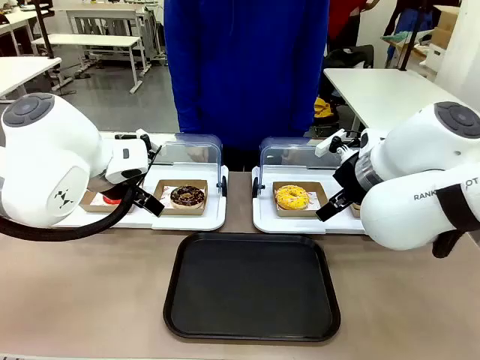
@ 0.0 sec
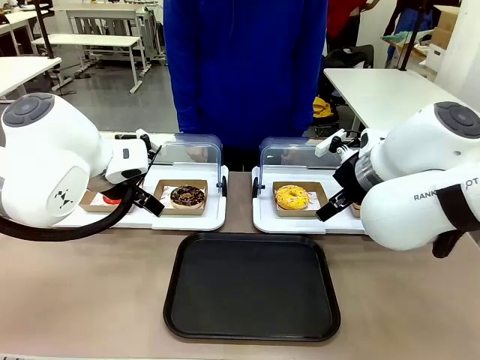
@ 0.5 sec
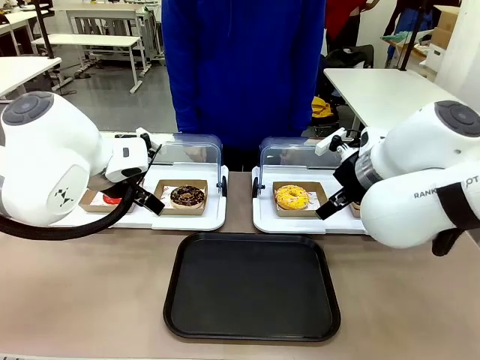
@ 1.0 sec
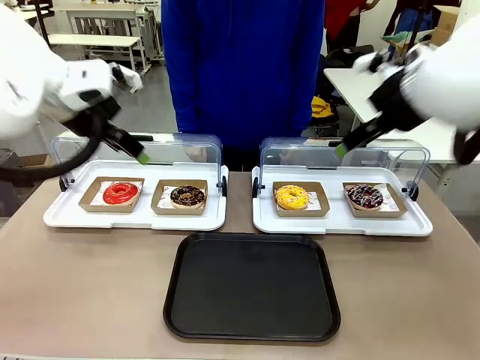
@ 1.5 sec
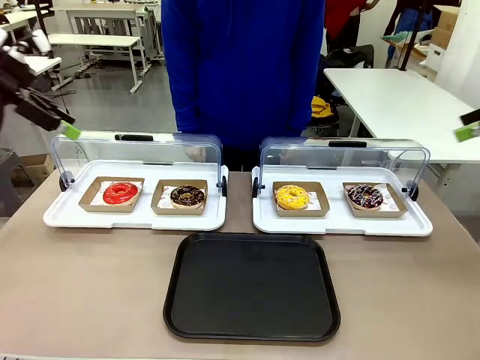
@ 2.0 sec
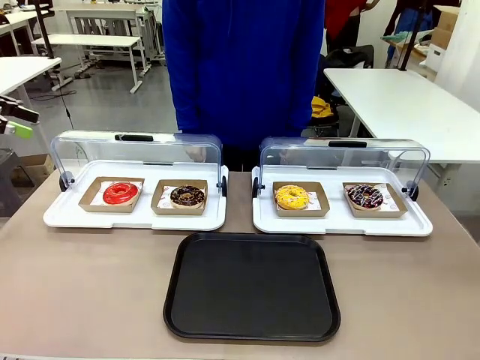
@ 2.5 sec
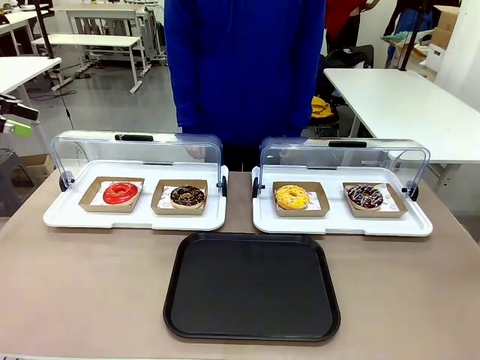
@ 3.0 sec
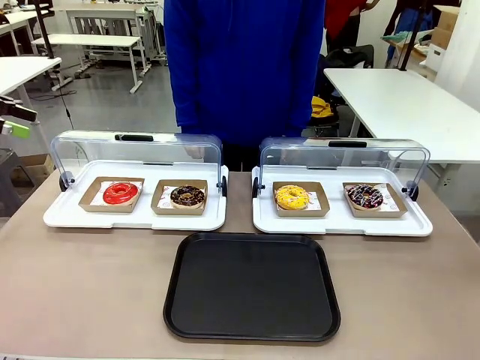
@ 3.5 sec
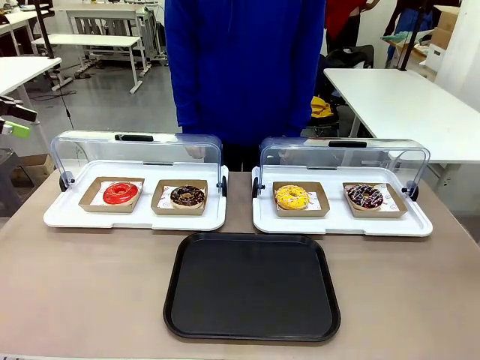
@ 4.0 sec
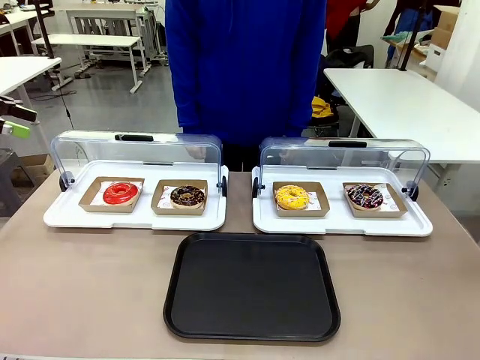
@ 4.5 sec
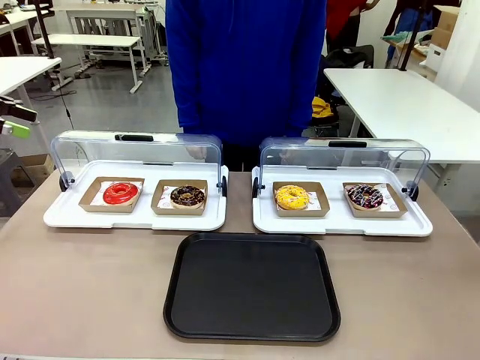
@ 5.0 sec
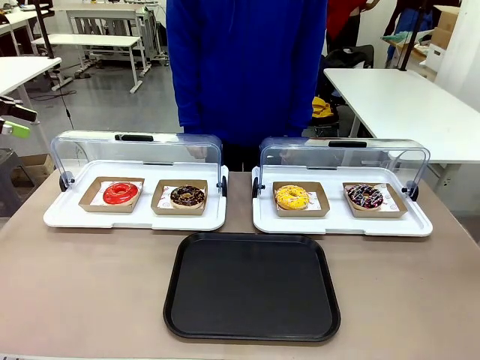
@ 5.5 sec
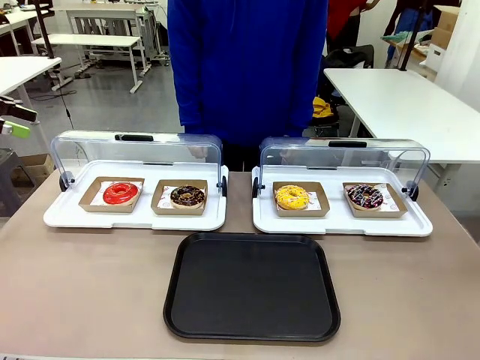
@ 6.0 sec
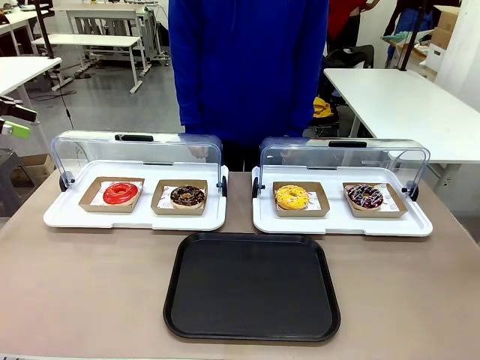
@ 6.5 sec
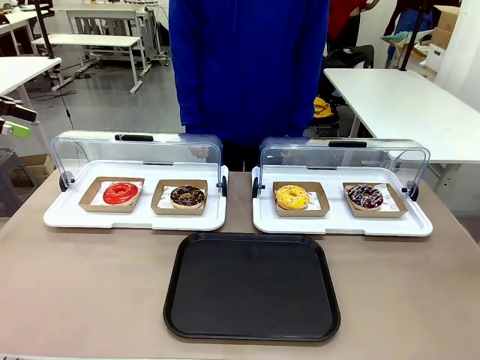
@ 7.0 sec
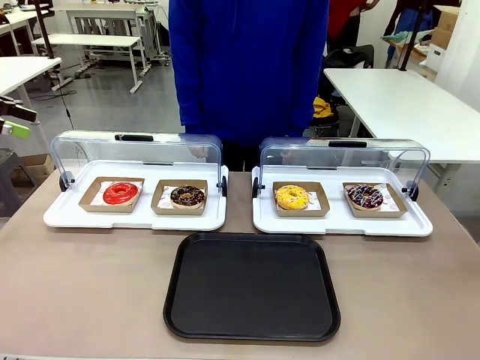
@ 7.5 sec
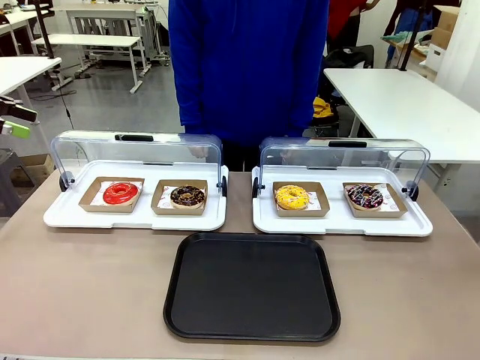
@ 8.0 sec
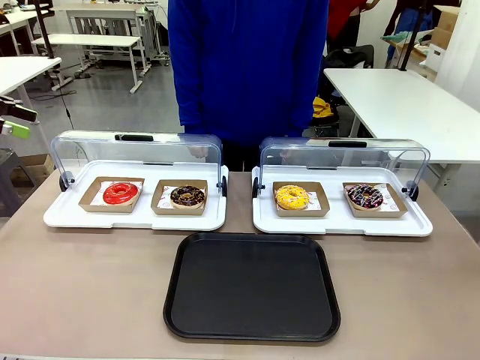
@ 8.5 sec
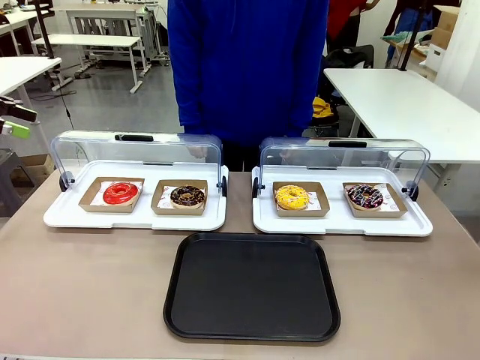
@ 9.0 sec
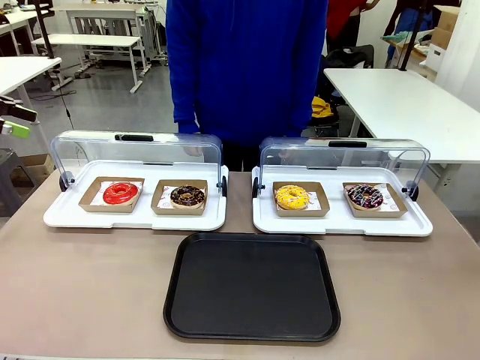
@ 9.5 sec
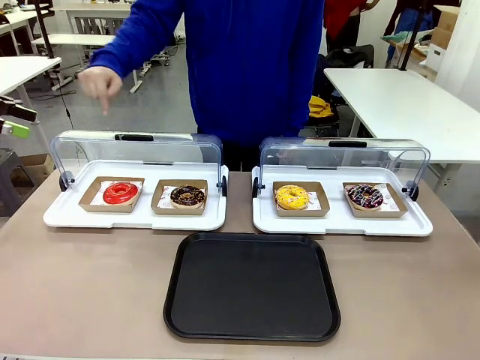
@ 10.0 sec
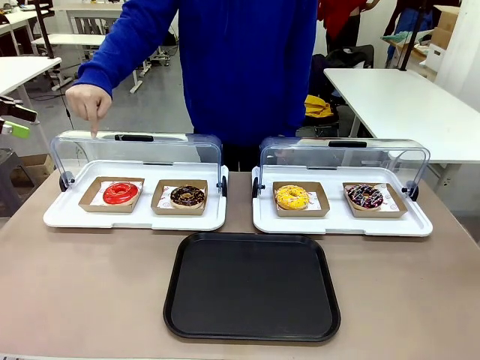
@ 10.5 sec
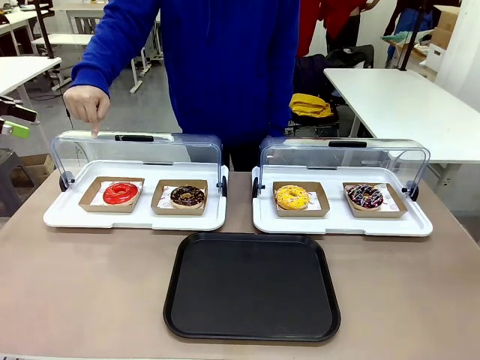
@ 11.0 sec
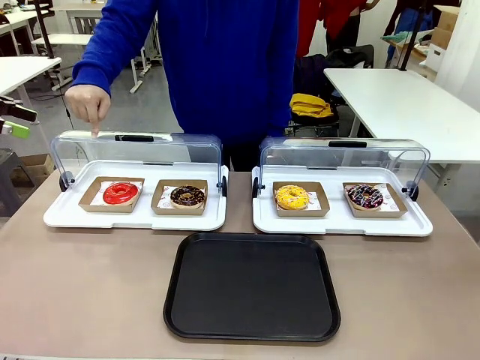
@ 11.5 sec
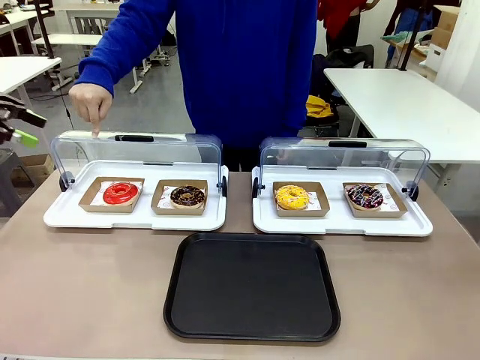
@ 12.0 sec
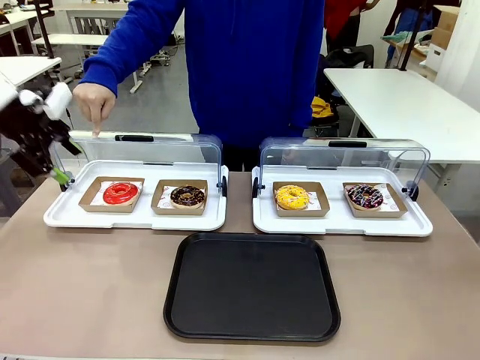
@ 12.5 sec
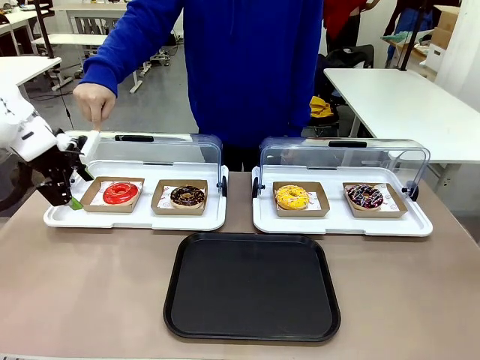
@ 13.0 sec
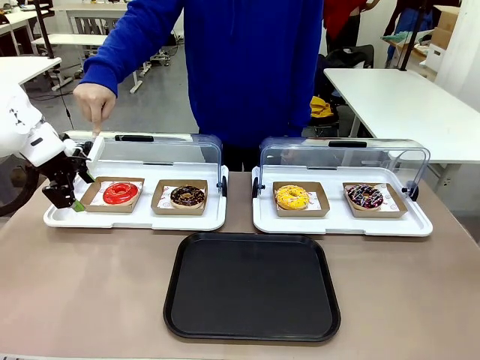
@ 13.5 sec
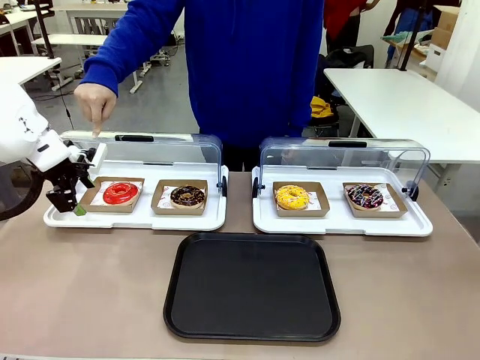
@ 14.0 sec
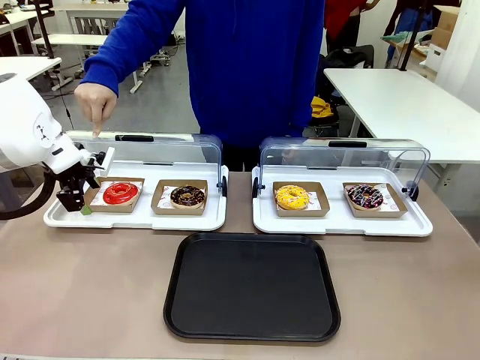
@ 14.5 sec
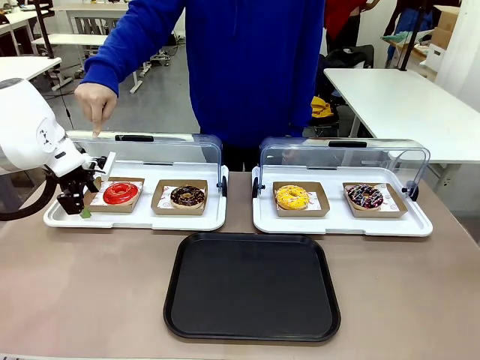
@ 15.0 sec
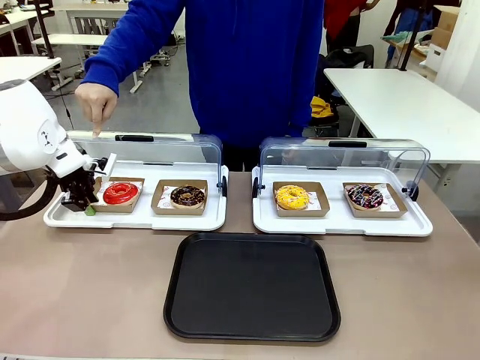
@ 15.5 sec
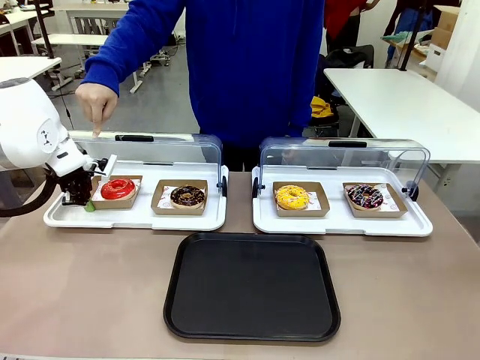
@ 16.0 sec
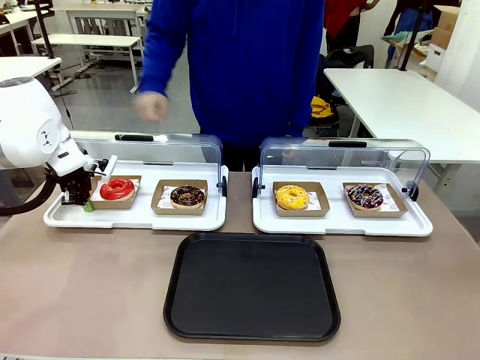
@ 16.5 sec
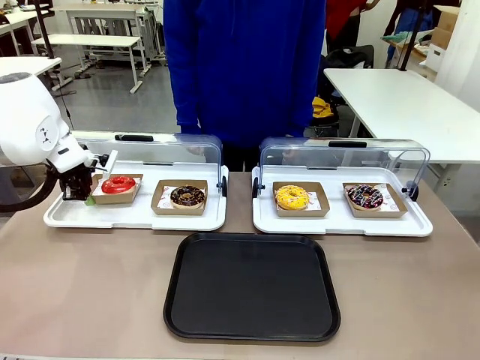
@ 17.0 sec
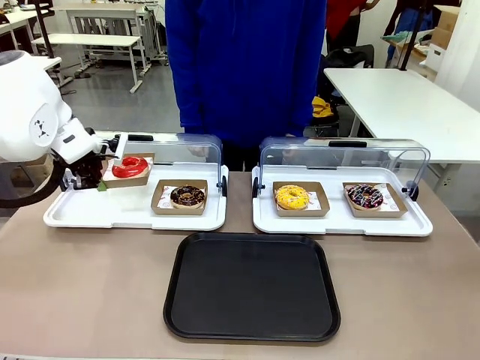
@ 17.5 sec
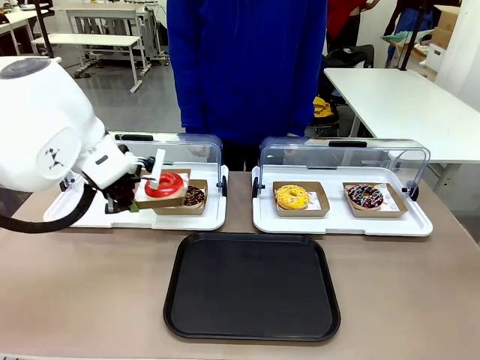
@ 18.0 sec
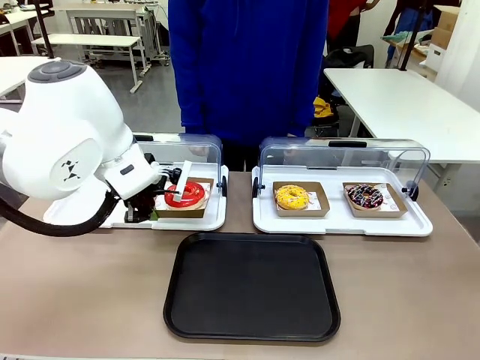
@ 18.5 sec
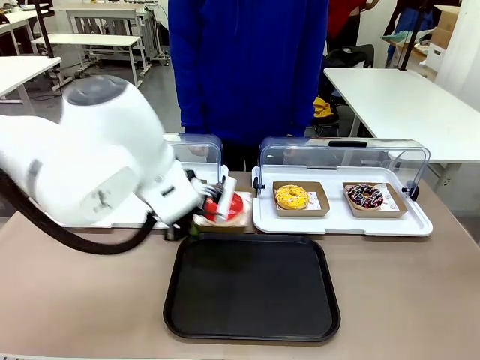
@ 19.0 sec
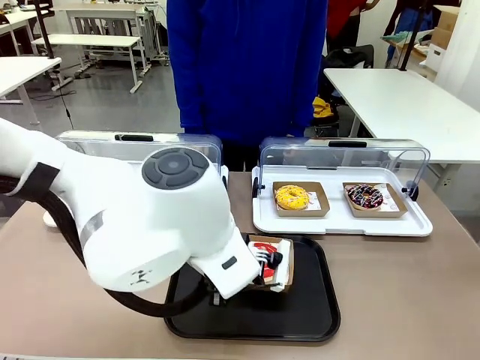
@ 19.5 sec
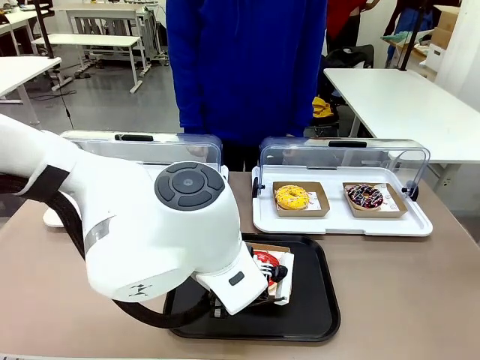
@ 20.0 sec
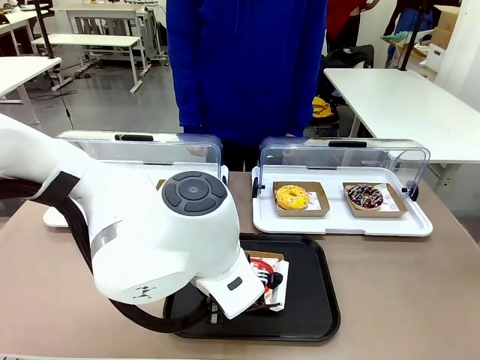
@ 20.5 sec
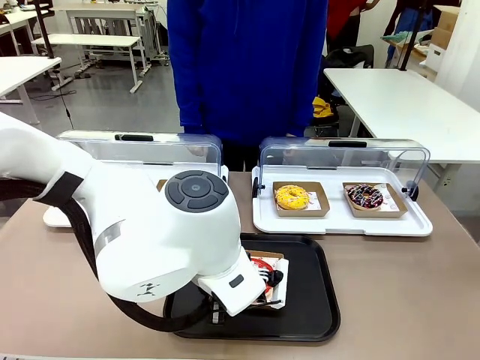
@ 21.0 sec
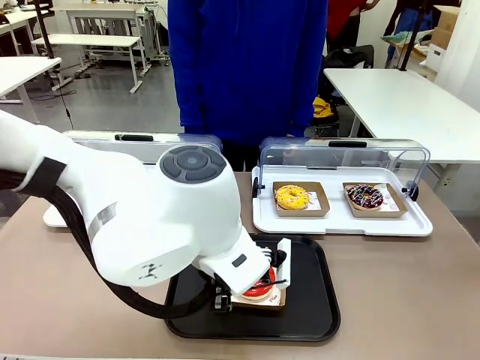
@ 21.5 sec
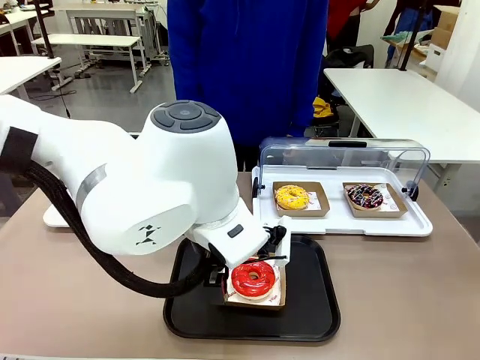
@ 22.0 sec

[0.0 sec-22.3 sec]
Task: Move the first donut from the left to the tray.
Robot: Pick up the Paper togo box containing the Donut indicated by the person and place it on the Handle tray.
Person: Points to the first donut from the left from the robot’s perspective.
